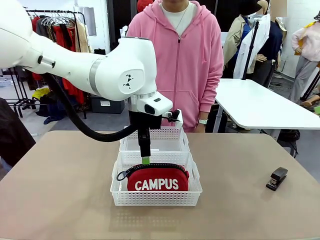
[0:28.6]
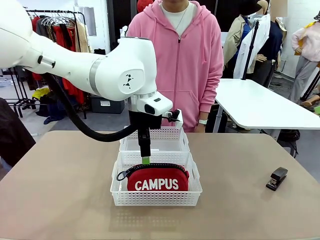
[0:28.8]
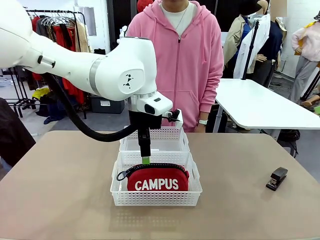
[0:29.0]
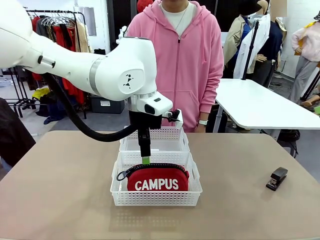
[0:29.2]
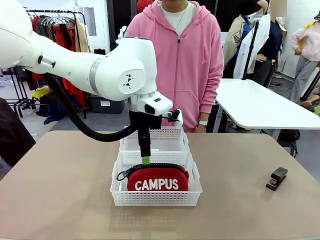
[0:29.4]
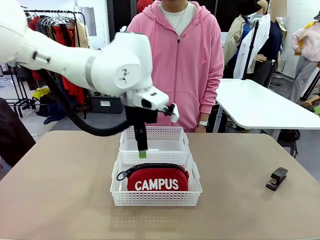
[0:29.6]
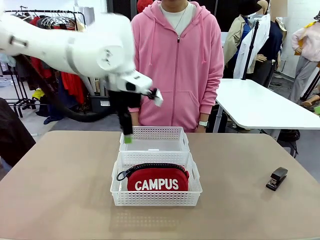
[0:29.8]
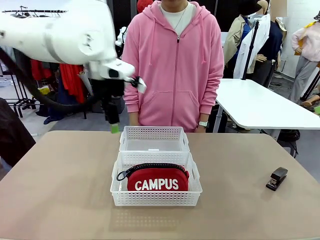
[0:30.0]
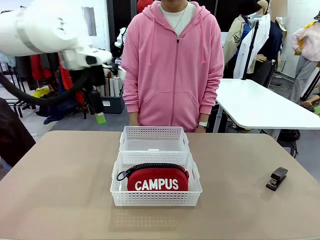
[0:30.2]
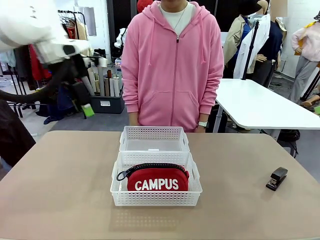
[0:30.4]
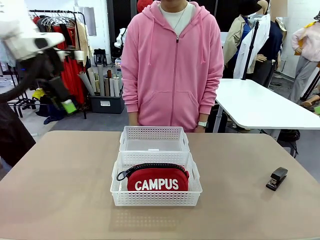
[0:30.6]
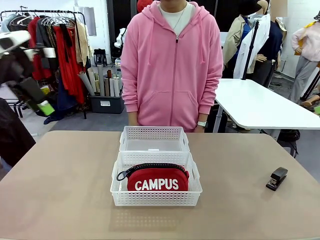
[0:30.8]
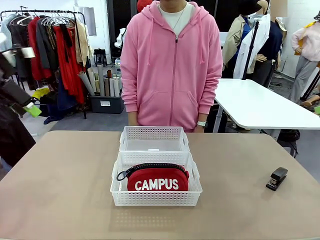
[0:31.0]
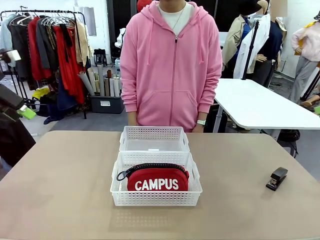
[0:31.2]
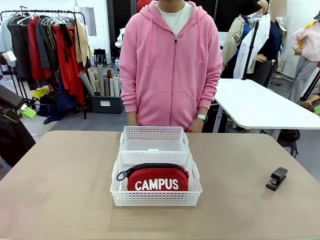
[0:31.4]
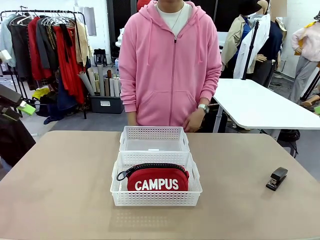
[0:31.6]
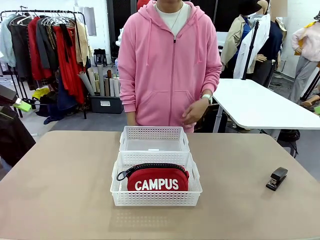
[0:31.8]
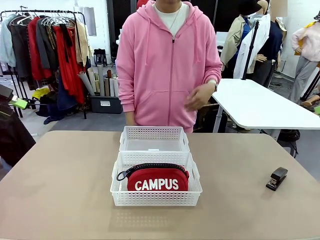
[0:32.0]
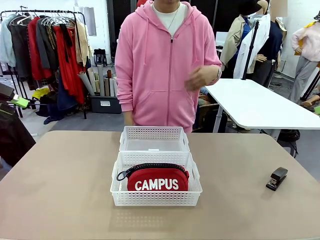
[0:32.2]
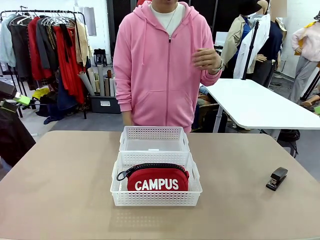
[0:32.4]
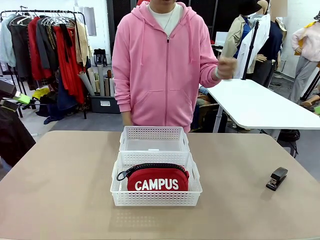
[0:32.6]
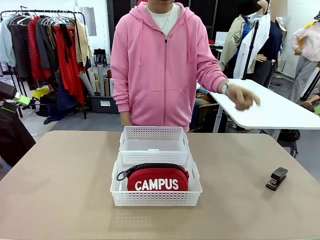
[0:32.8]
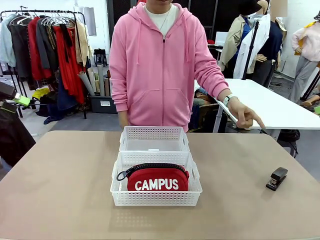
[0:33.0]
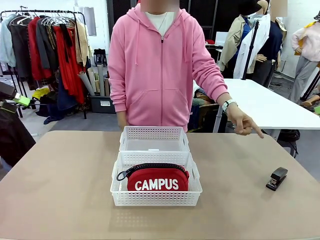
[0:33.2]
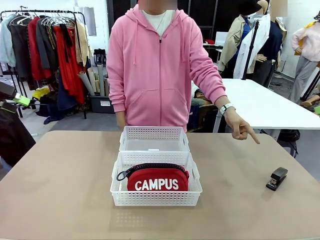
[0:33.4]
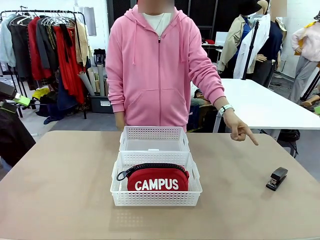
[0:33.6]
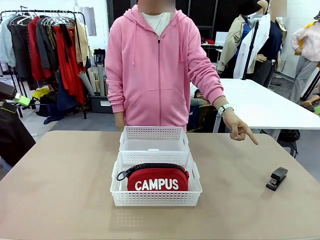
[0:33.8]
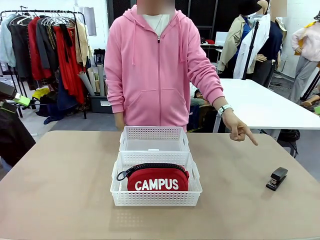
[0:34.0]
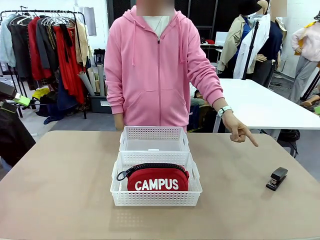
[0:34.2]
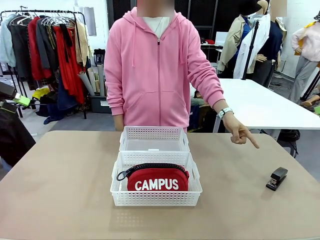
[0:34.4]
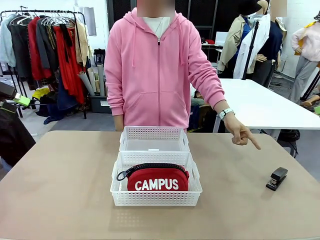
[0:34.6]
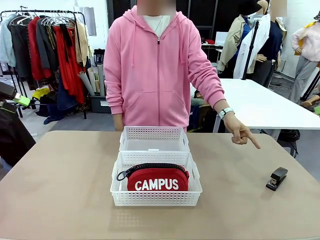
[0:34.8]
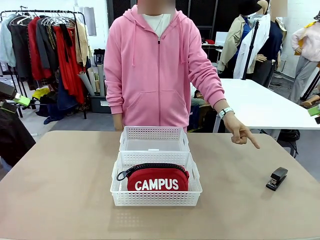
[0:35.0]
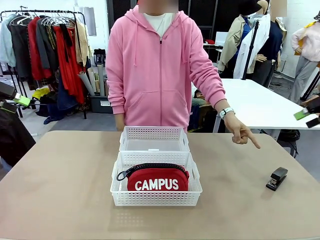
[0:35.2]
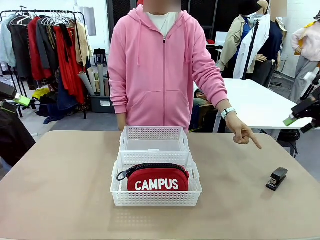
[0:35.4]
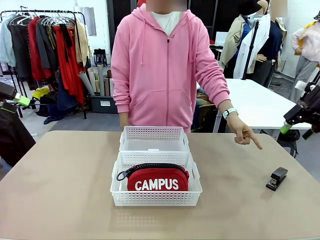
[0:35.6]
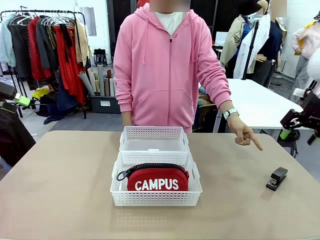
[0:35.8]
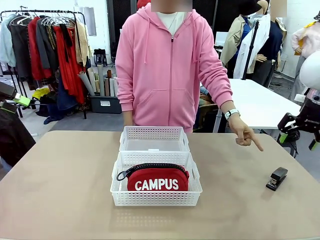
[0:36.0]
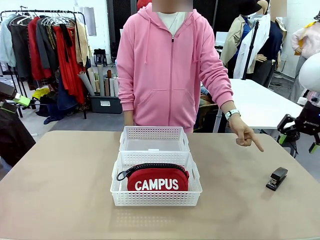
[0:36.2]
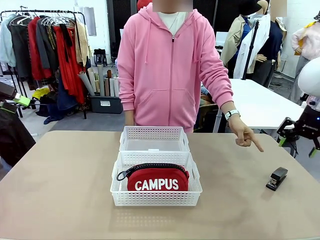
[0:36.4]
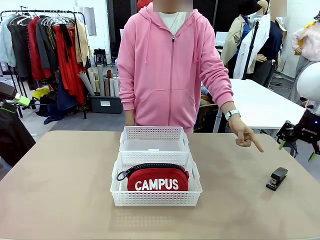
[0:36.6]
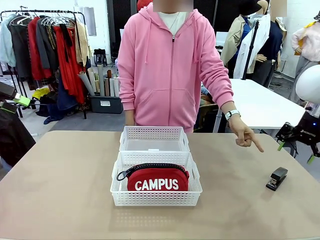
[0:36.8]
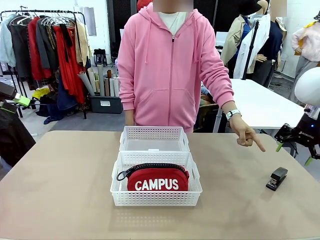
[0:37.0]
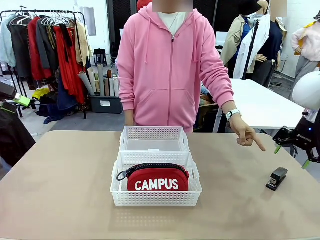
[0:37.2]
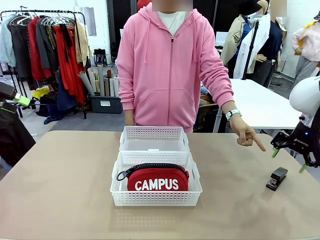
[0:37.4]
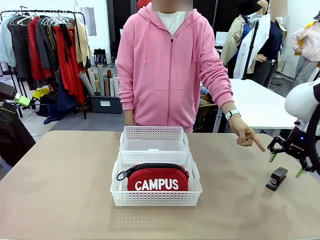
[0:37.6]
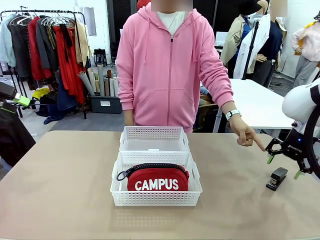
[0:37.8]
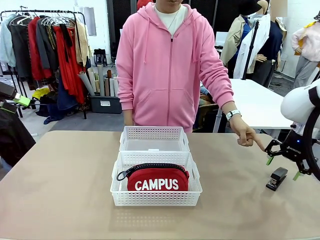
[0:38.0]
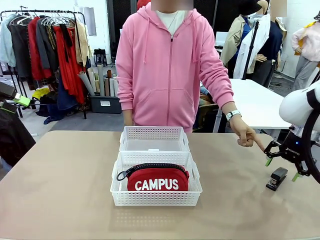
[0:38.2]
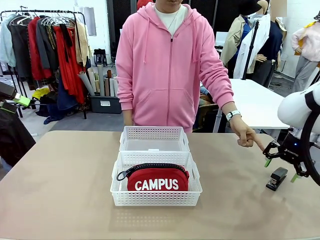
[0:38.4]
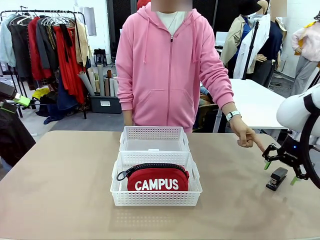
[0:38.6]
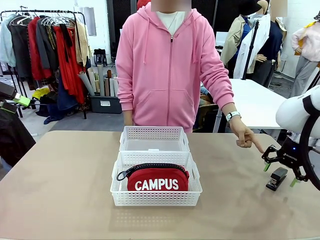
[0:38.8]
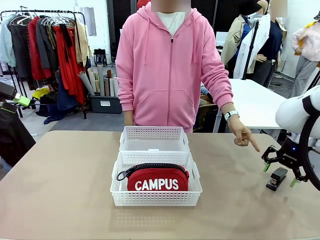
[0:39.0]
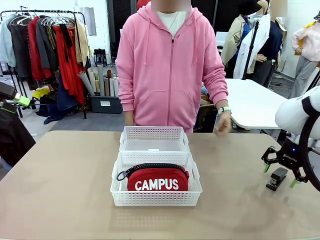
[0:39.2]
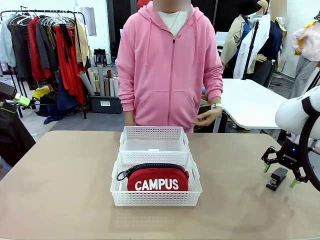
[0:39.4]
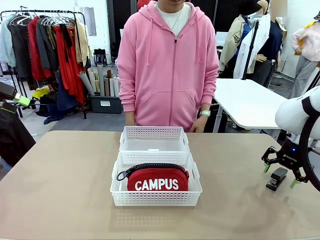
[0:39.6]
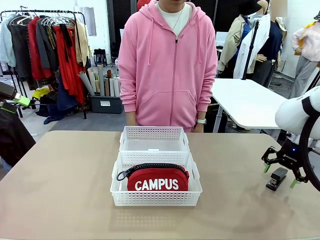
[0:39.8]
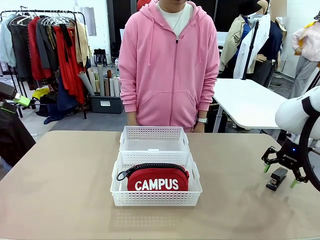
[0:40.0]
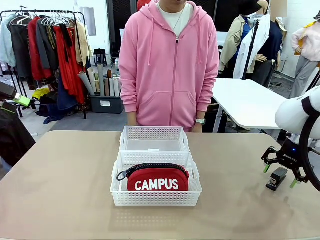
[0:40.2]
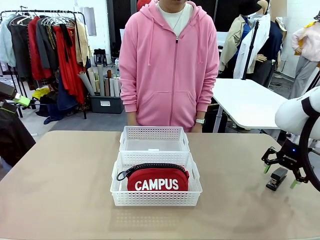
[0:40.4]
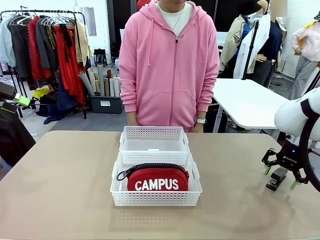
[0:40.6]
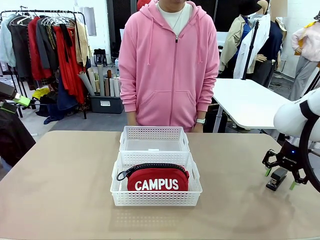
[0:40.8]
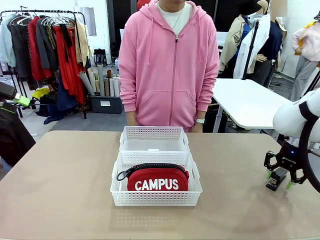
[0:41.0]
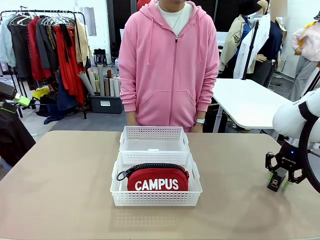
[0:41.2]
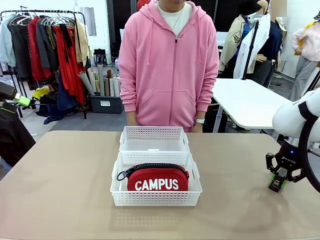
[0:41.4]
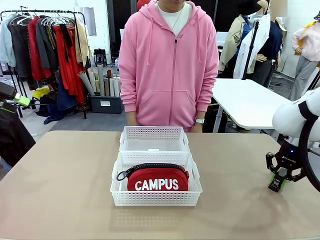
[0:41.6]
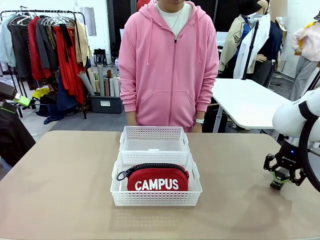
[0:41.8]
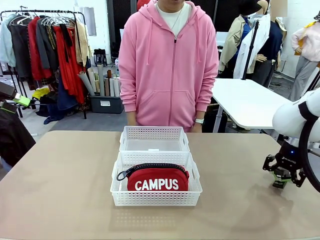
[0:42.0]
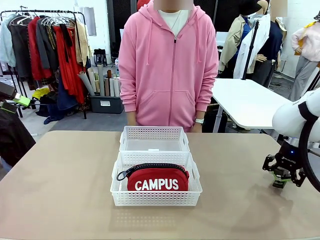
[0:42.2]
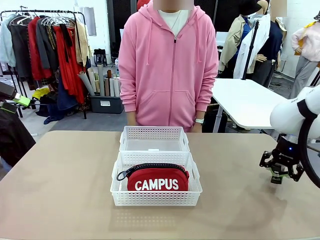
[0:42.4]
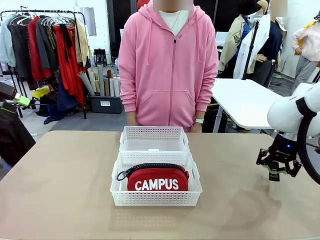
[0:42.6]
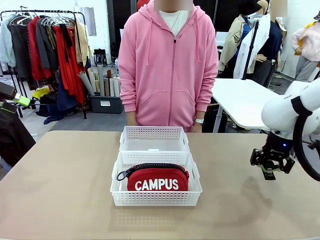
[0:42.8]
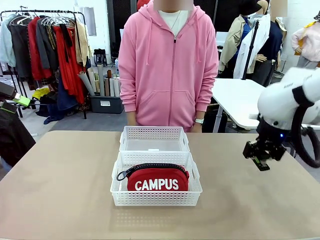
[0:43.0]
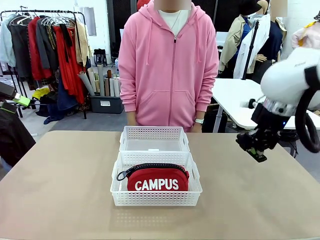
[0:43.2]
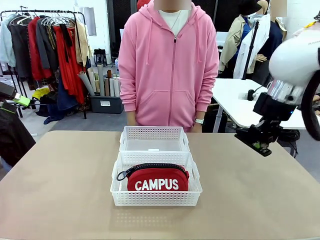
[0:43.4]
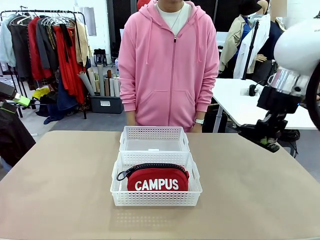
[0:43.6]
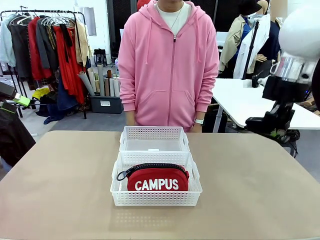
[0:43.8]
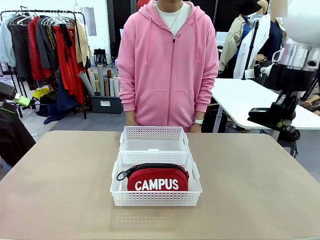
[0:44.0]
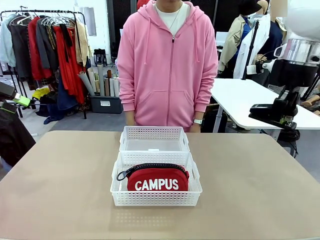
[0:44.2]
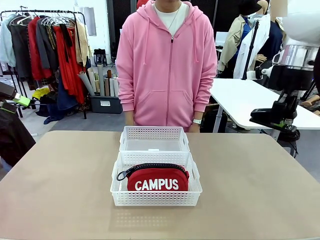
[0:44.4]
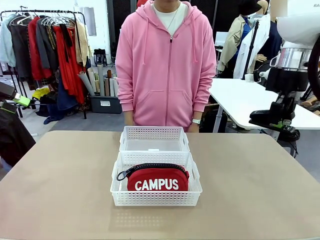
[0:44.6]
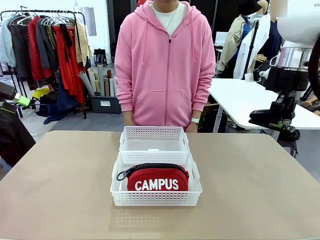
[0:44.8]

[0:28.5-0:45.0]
Task: Distribute items into two baskets.
Robot: Pick up the Stapler that the person points to.
Person: Points to the stapler.
